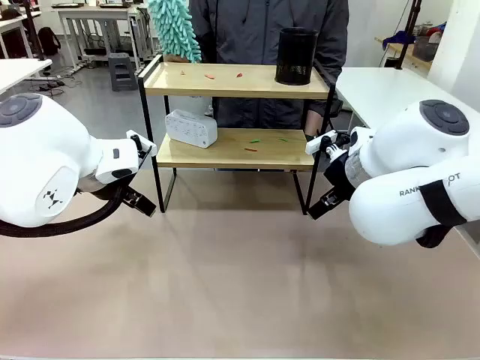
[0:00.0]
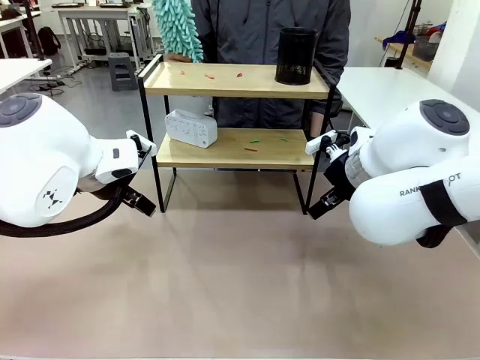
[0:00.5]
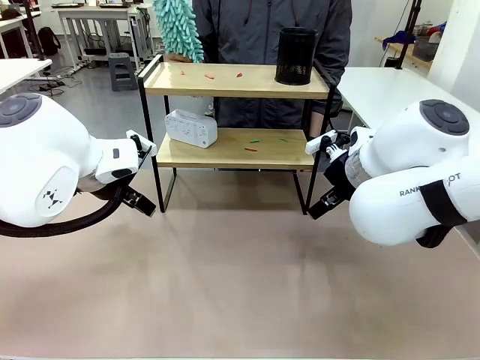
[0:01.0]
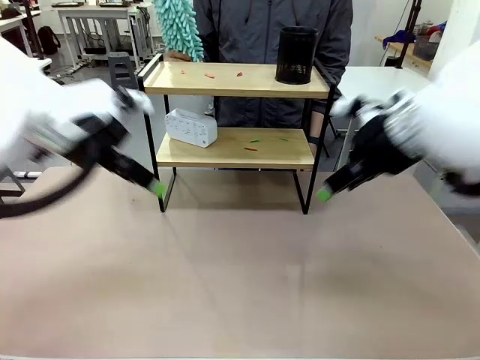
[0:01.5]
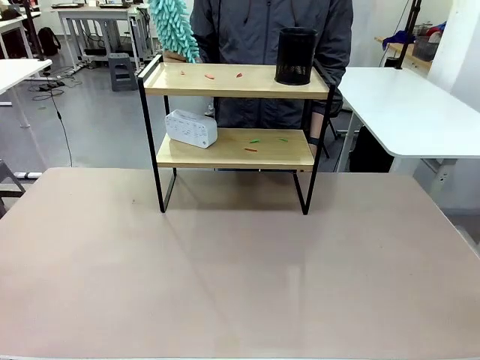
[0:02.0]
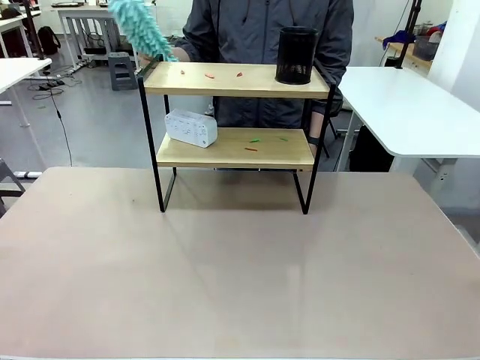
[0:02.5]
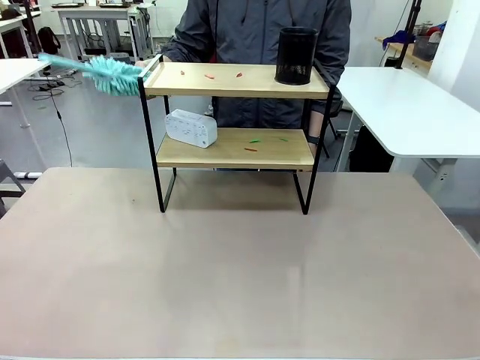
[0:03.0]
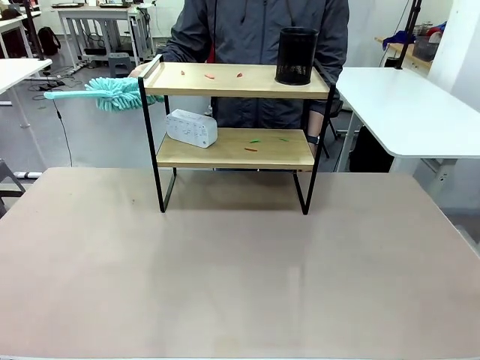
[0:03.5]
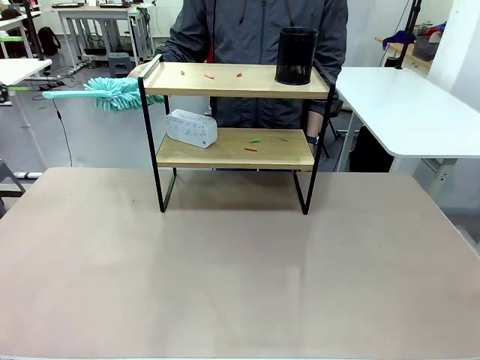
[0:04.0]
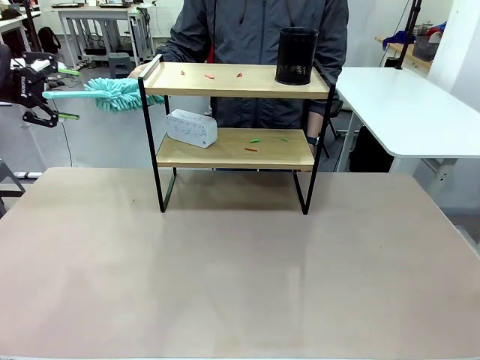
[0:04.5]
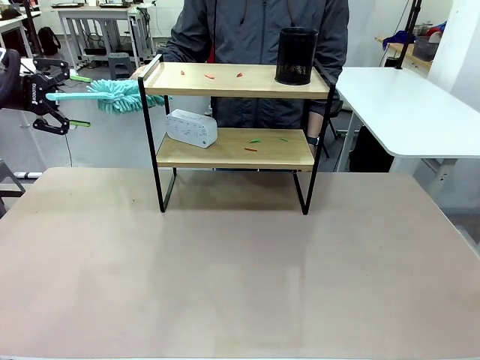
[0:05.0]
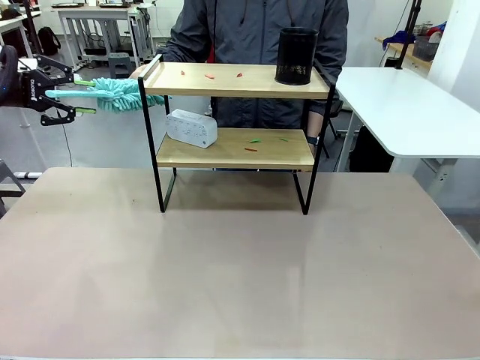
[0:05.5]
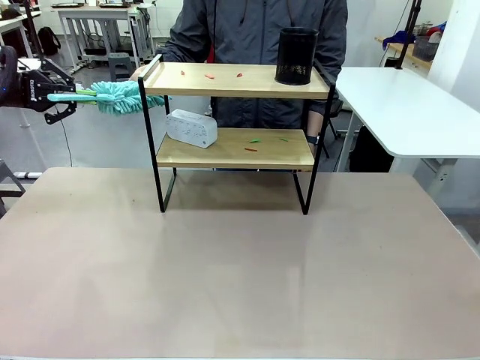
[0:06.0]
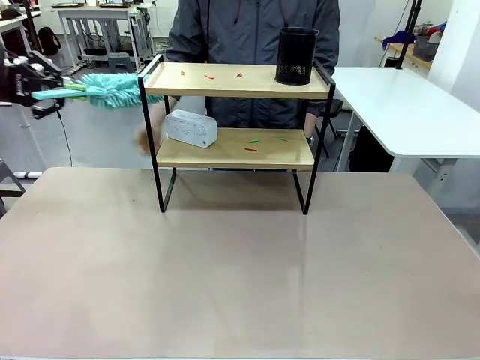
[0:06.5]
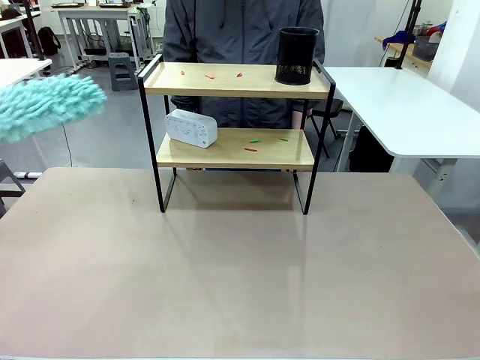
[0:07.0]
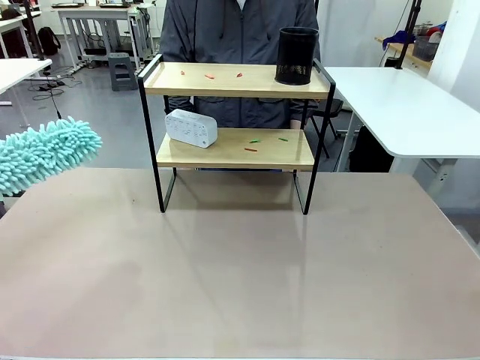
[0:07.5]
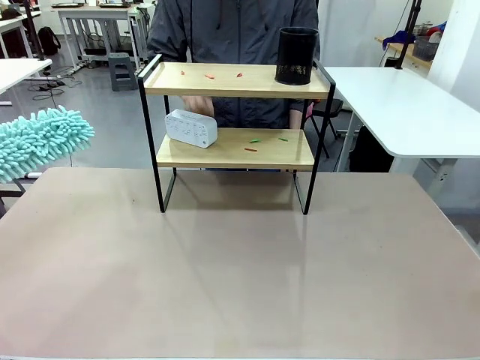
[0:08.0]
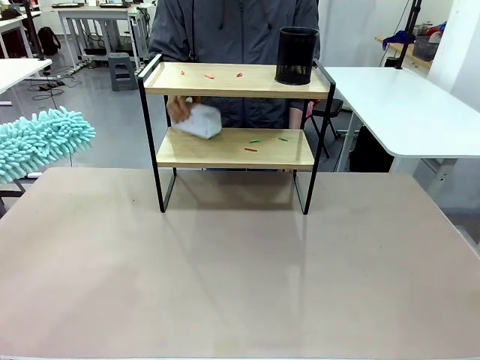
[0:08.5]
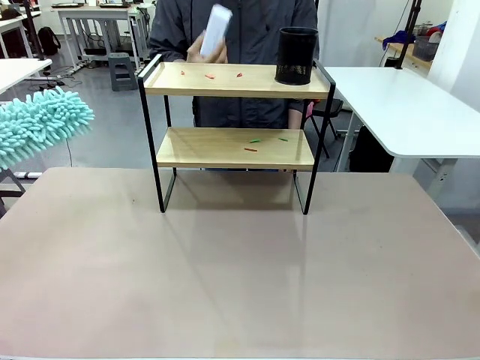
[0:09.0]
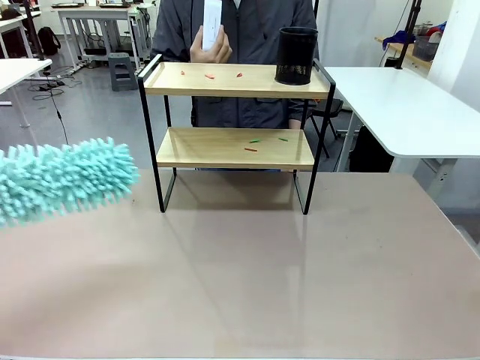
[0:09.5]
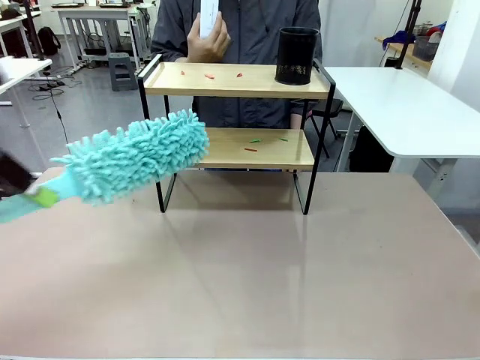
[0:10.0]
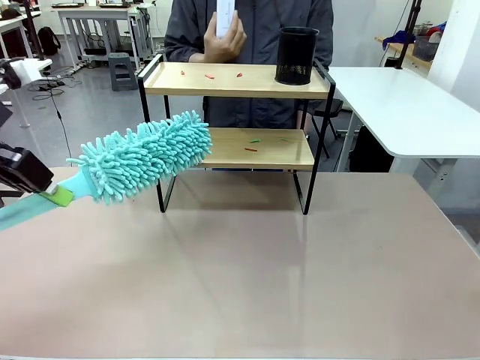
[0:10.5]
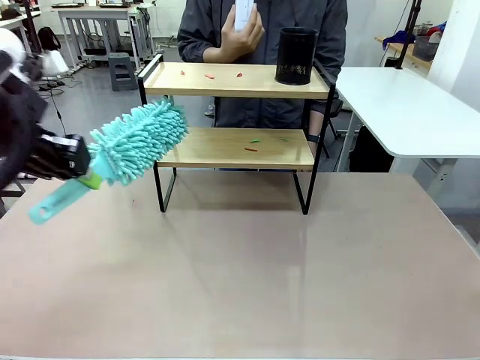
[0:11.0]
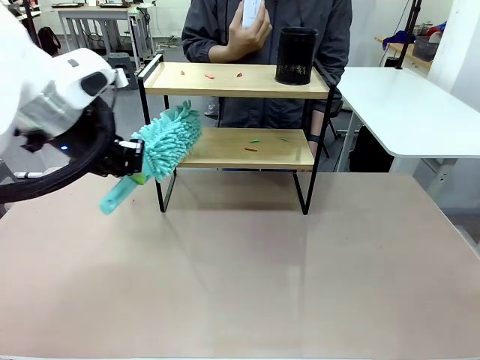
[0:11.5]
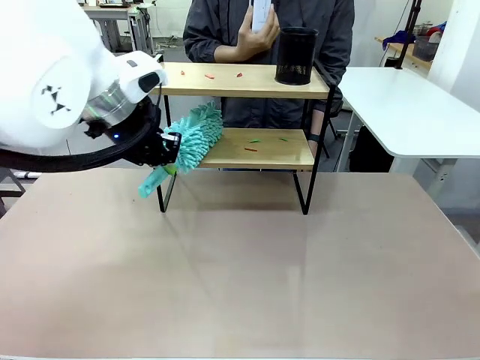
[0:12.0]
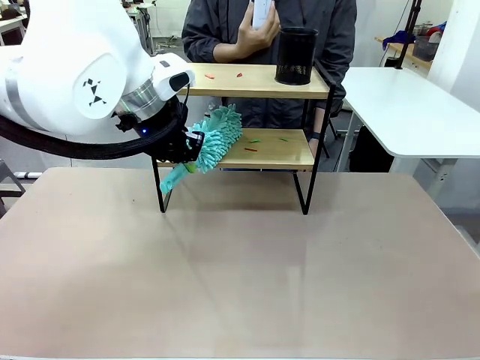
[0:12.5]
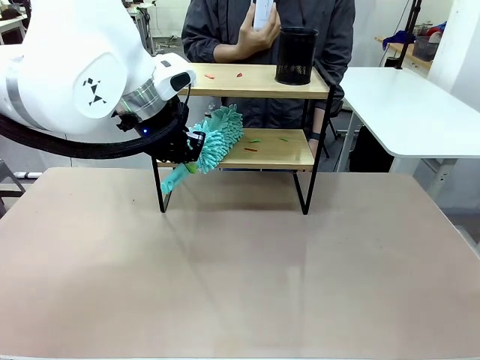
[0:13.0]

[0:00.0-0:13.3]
Task: Clean the shelf.
Robot: Pick up the Duster from the human.
Person: Hand the Duster to the robot. Lift the objects on a randomly selected tier of the Shelf.

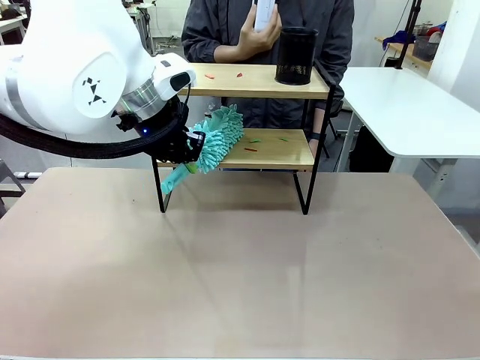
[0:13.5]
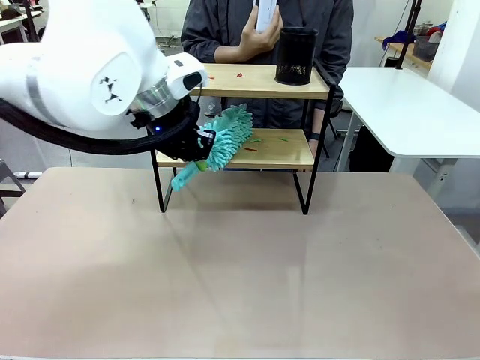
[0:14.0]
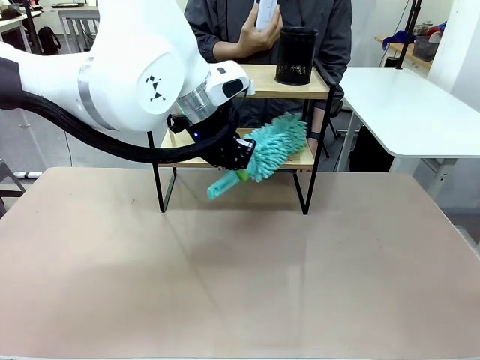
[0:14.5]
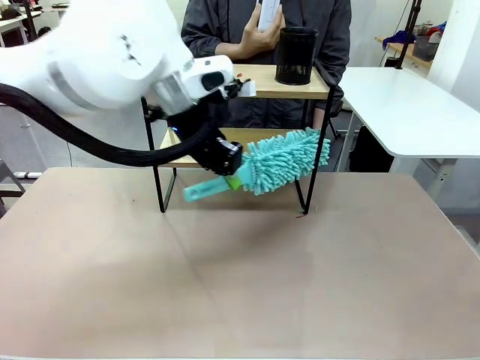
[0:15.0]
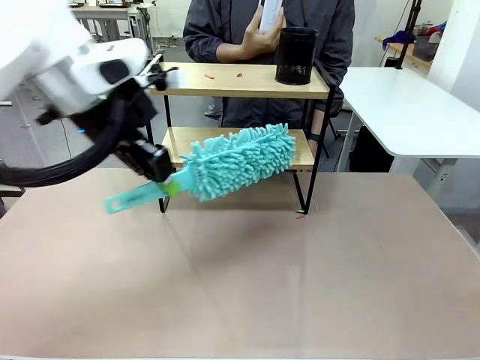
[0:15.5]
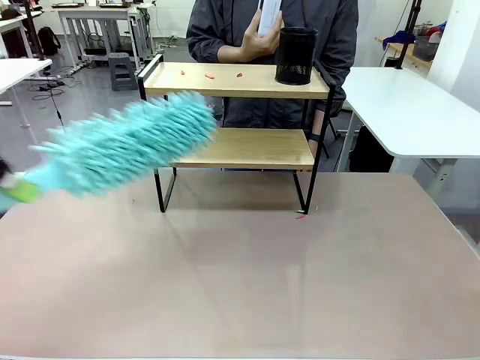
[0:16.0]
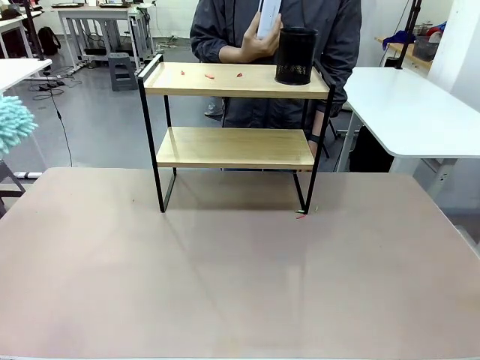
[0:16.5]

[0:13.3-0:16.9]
Robot: Clean the specific tier of the Shelf with the Duster once objects are removed.

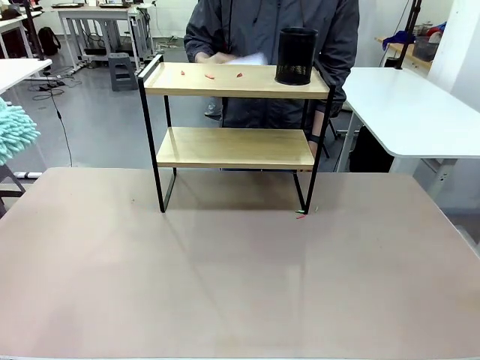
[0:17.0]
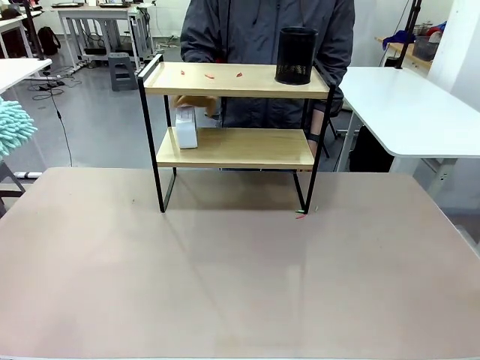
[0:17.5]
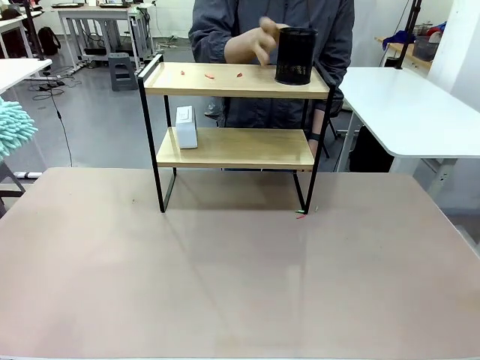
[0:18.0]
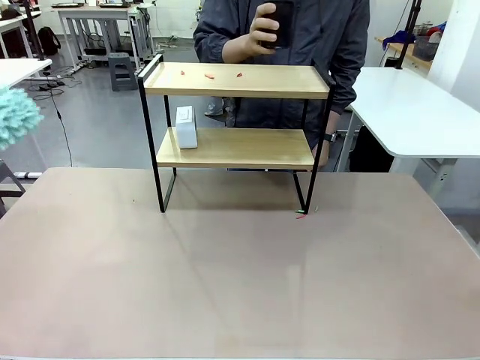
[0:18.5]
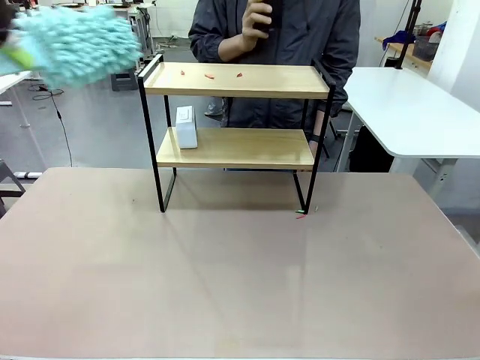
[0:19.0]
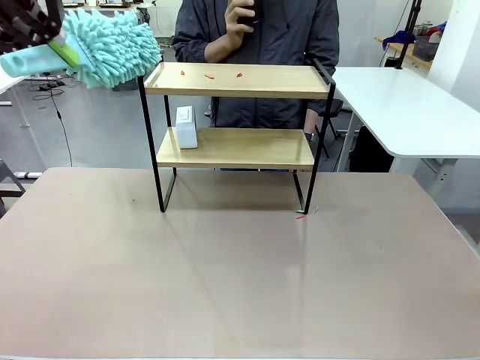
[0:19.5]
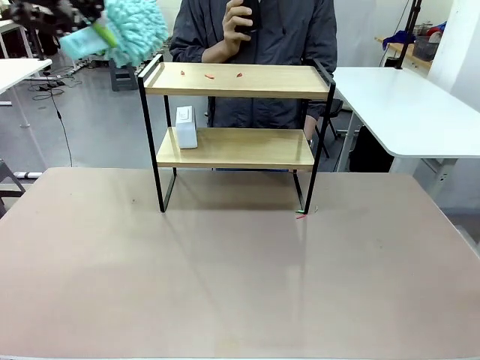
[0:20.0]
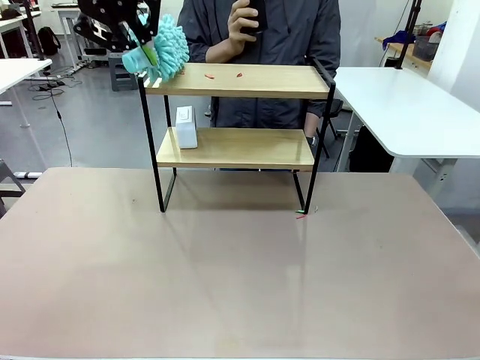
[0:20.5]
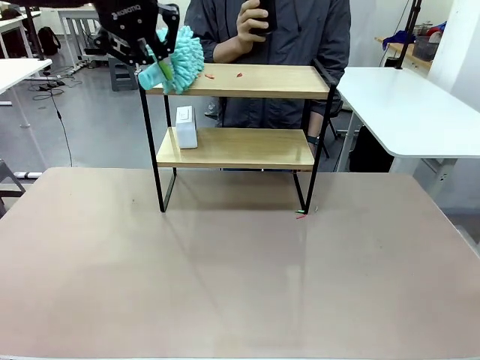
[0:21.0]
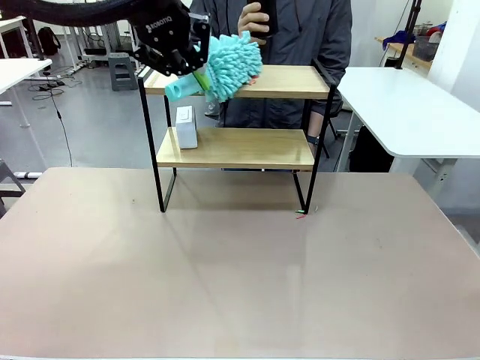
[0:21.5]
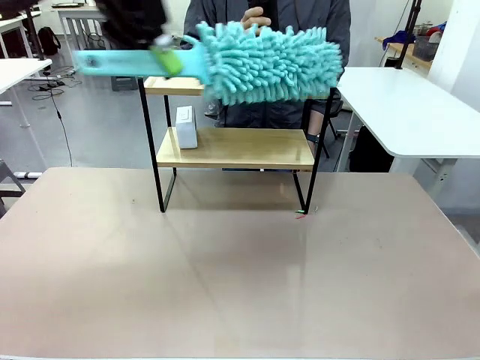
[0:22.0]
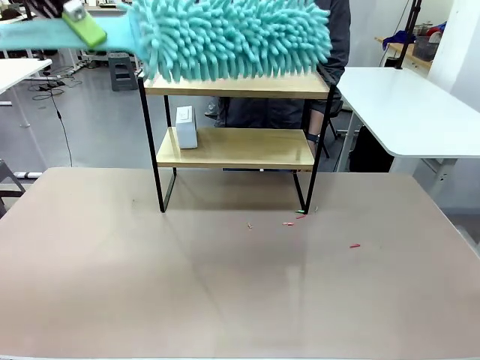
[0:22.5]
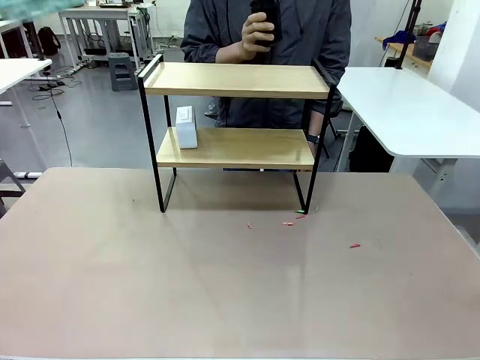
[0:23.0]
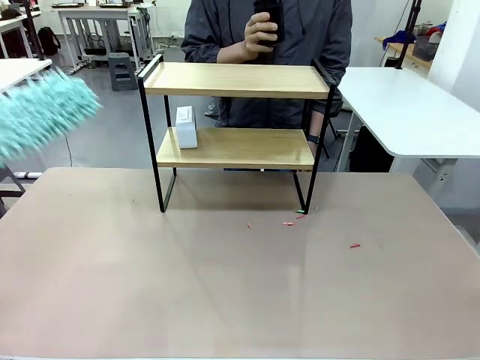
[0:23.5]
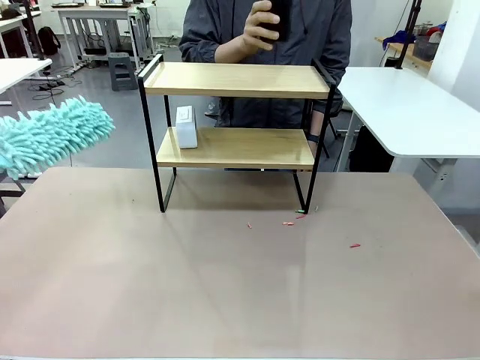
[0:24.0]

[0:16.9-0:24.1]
Robot: Clean the remaining tier of the Shelf with the Duster once objects are removed.

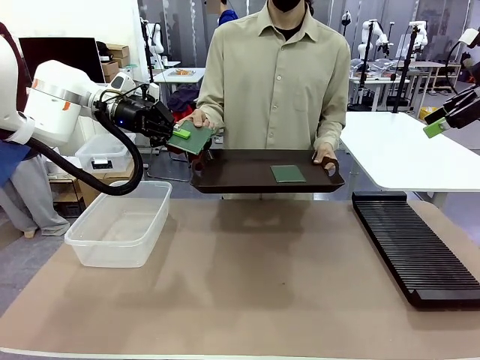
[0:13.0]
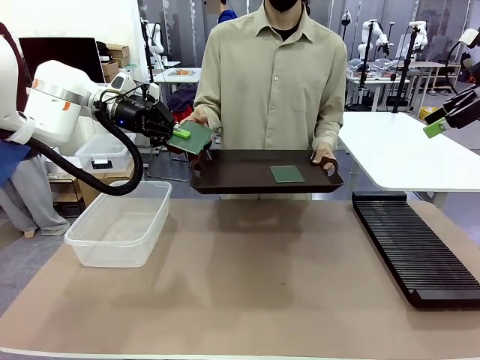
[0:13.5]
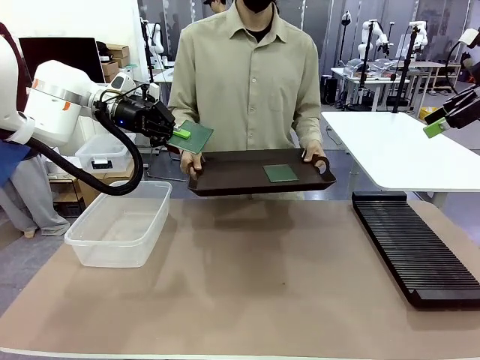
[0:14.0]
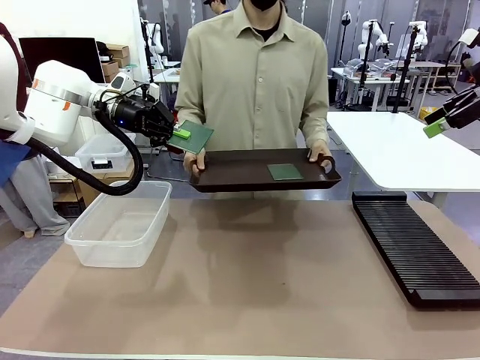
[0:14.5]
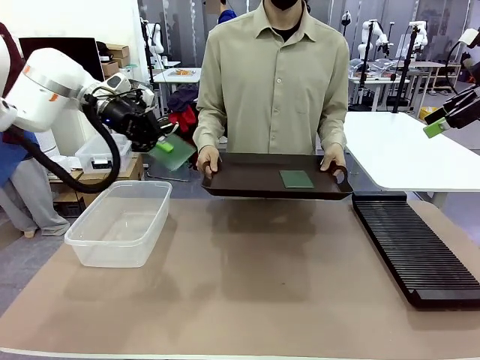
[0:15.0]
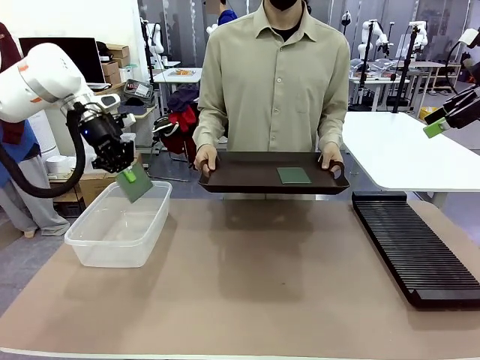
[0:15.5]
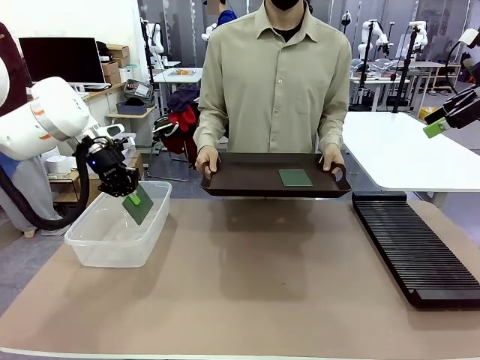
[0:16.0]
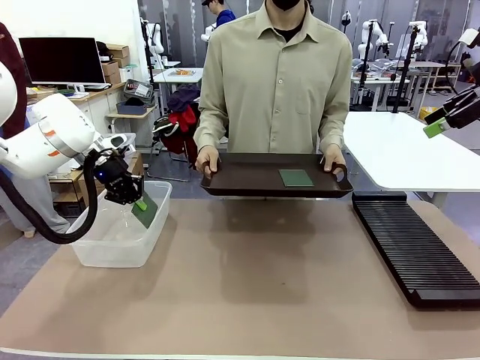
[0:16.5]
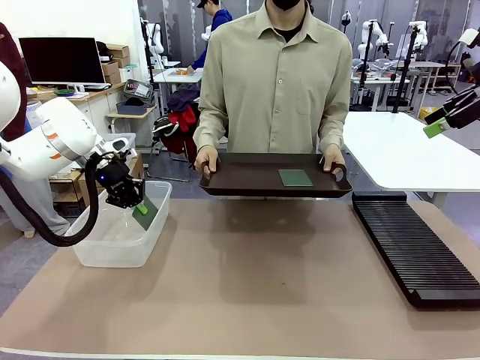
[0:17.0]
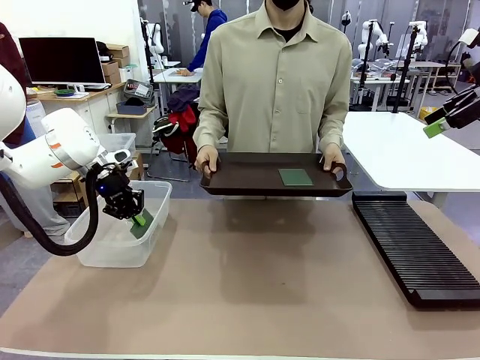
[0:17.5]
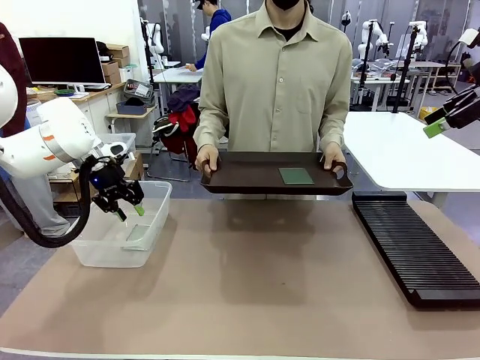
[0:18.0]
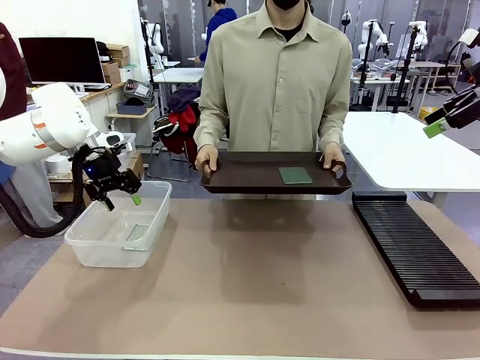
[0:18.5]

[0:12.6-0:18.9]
Task: Sort PCBs into racks and boxes based on the side picked up.
Robot: If the short side of the Blank PCB is picked up, insert it into the PCB Rack ; if the long side is picked up, place it in the Organizing box.
Person: Pick one PCB from the tray and present it to the robot.
